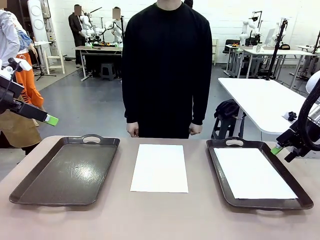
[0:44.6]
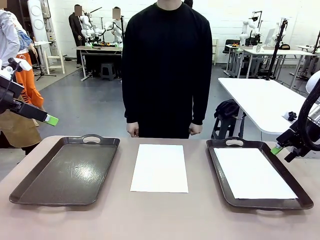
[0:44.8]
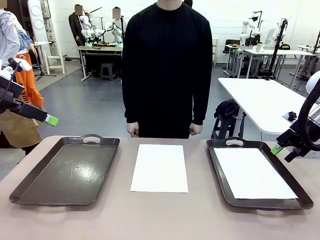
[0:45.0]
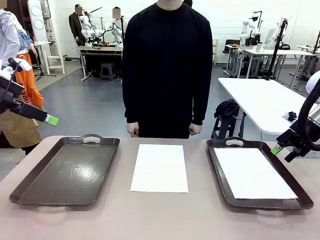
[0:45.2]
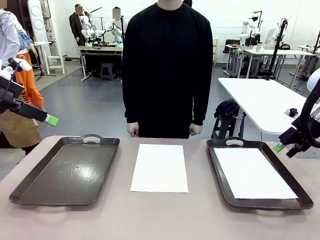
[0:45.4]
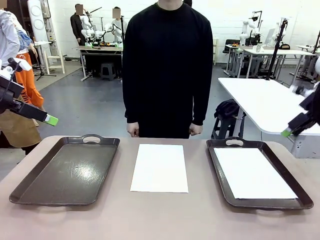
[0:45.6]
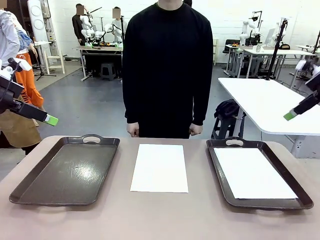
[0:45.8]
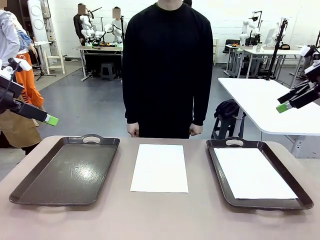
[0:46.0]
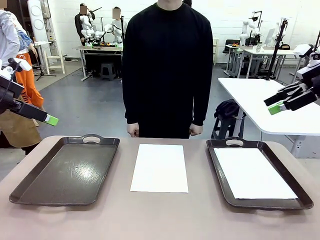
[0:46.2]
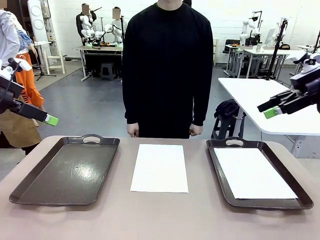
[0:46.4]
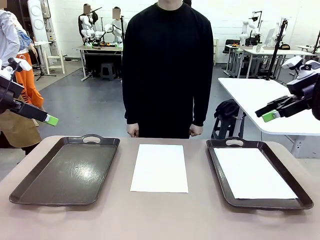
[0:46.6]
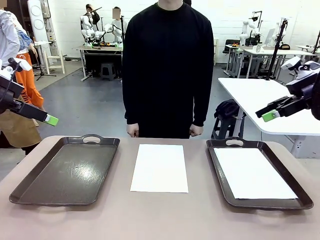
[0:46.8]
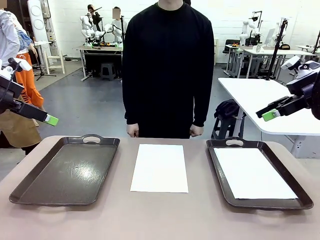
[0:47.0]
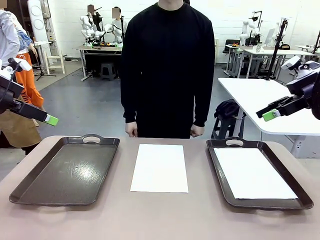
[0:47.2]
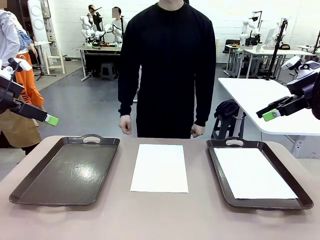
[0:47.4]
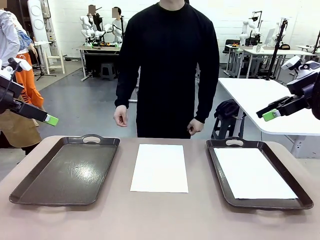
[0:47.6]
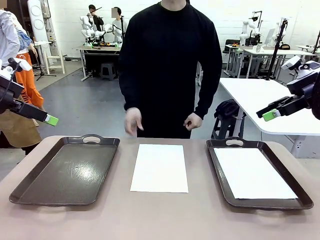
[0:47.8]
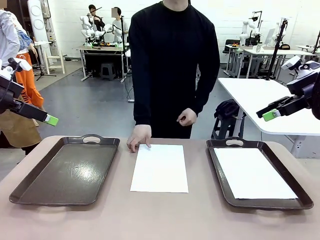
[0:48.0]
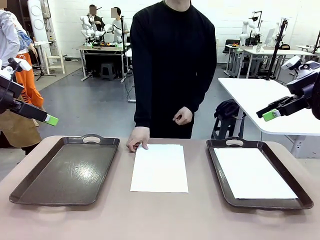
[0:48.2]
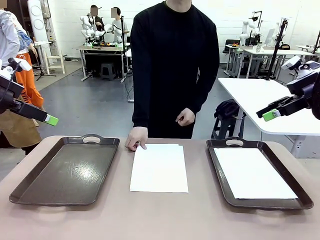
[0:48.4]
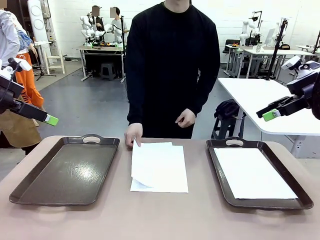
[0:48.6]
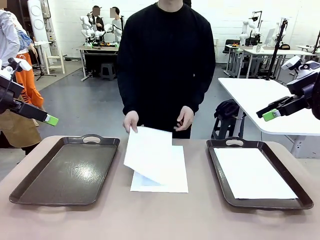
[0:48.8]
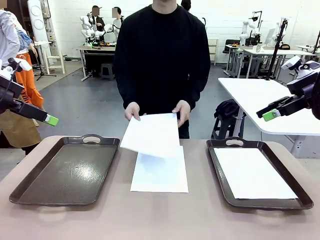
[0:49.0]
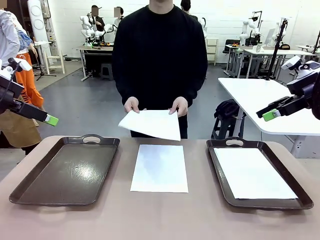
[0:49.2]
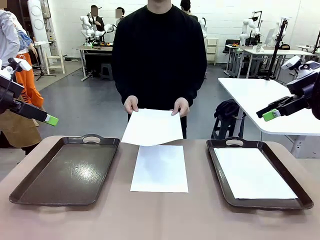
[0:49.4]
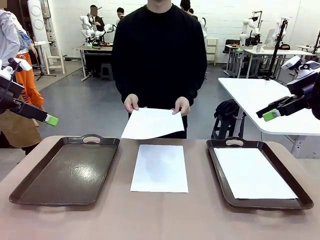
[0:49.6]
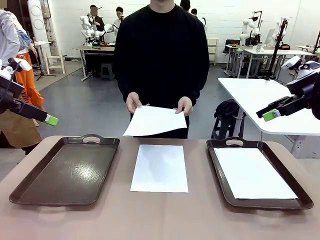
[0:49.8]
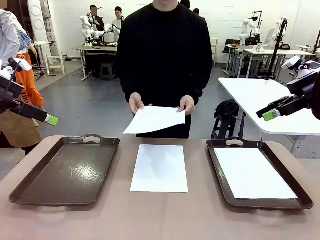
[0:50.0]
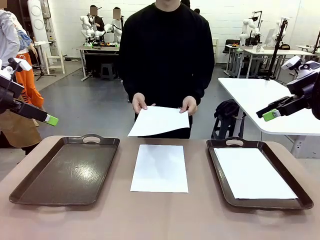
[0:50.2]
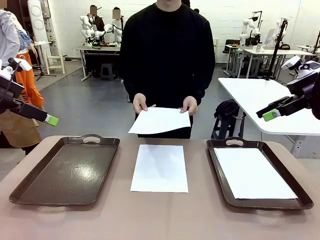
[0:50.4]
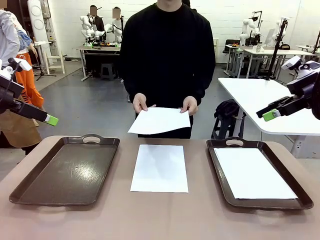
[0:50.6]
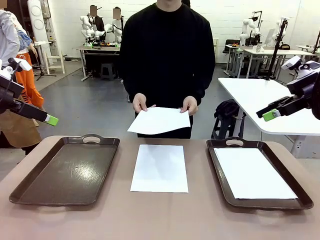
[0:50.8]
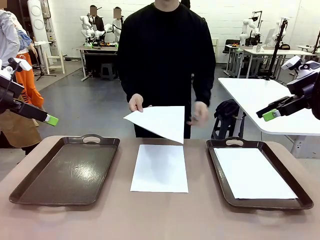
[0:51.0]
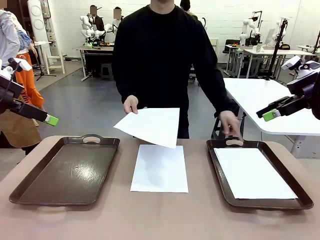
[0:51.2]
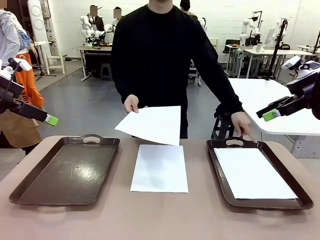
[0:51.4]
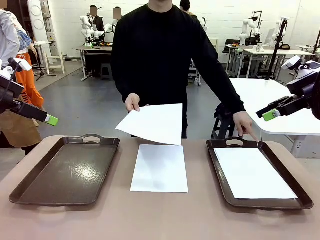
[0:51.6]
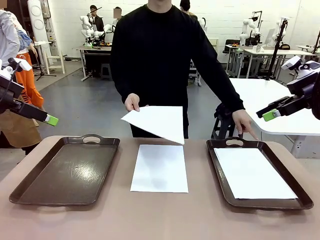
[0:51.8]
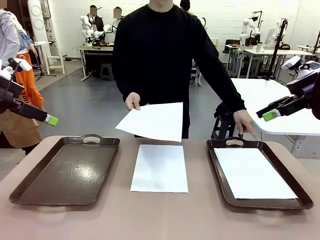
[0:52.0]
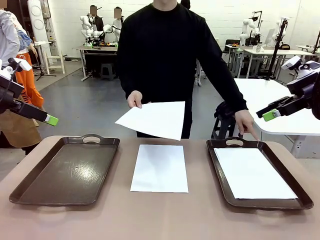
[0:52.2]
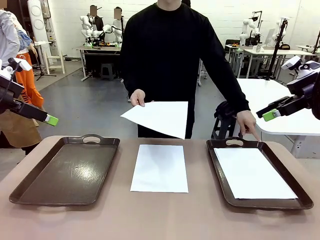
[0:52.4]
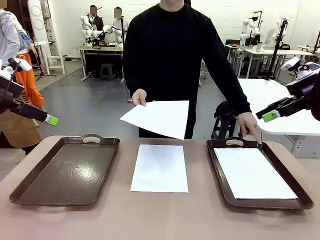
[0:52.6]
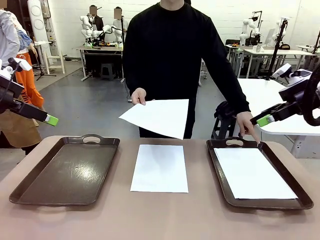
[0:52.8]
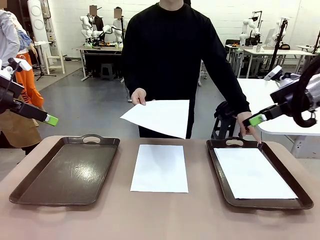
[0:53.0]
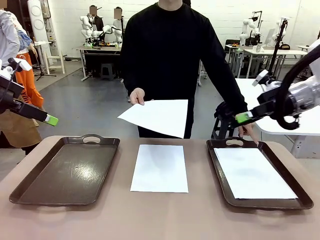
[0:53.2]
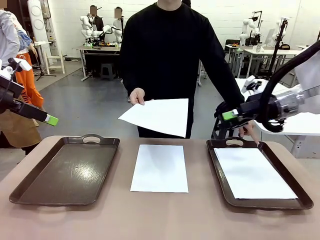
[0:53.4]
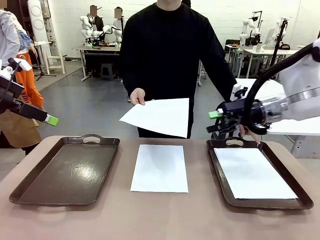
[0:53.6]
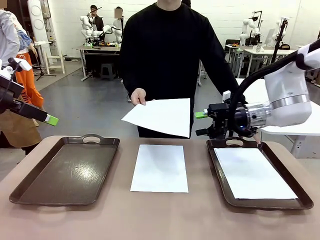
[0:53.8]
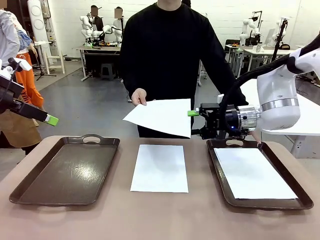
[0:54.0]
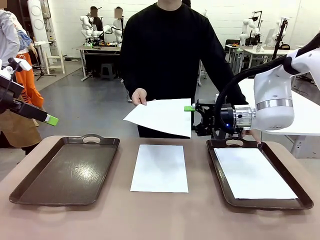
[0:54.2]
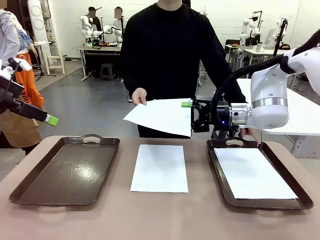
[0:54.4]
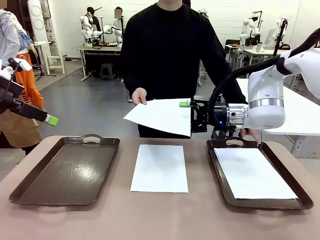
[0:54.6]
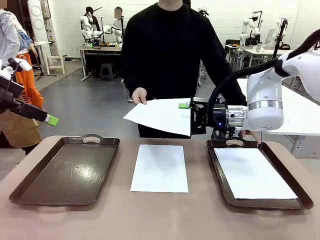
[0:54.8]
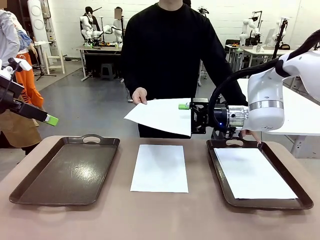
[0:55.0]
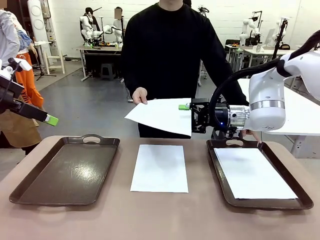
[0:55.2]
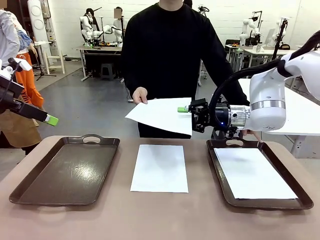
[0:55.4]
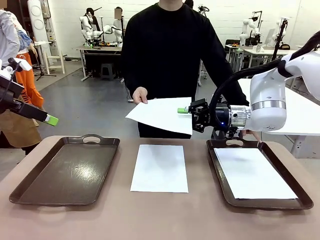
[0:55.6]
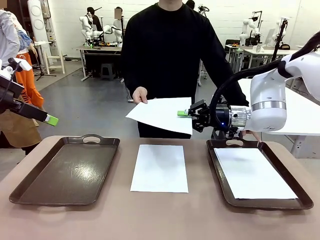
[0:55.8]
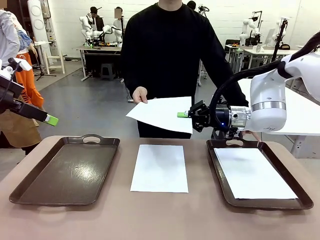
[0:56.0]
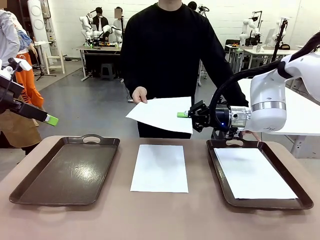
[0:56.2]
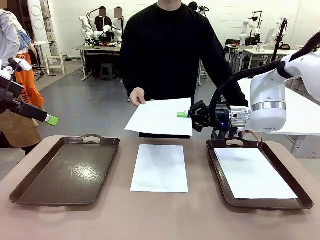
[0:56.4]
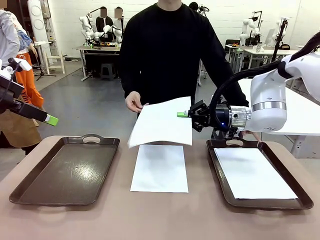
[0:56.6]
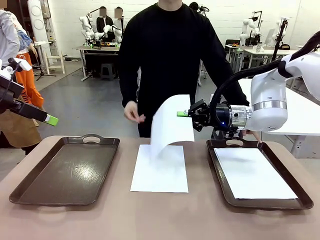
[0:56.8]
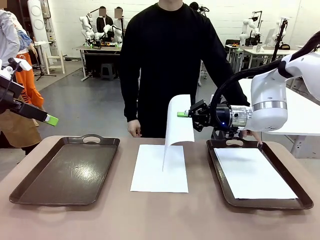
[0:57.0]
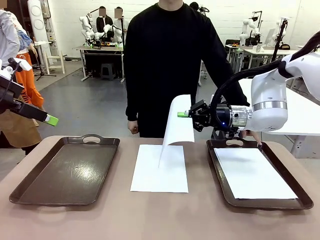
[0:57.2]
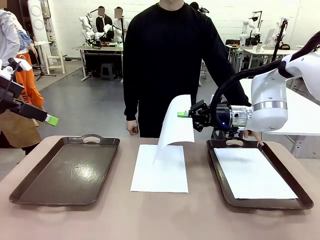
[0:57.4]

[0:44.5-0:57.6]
Task: Sort the A4 documents.
Robot: Receive the A4 Paper.
Person: Point the randomly selected tray with the other hand.

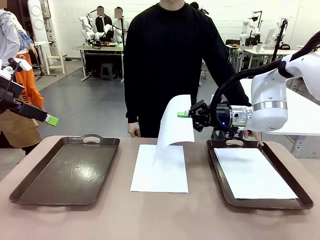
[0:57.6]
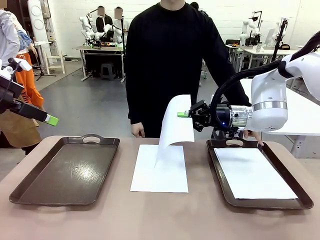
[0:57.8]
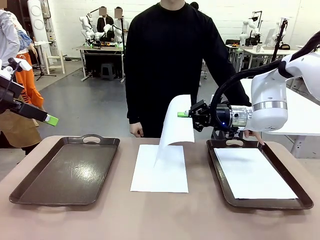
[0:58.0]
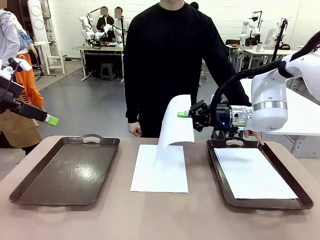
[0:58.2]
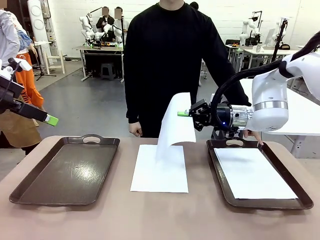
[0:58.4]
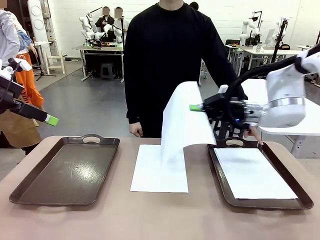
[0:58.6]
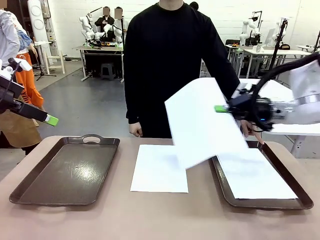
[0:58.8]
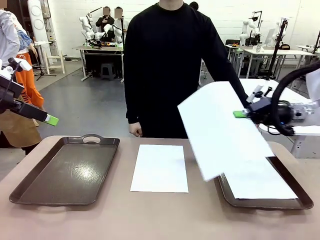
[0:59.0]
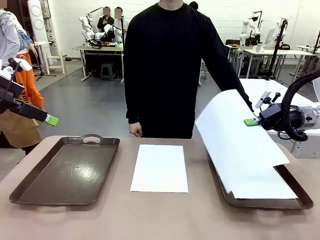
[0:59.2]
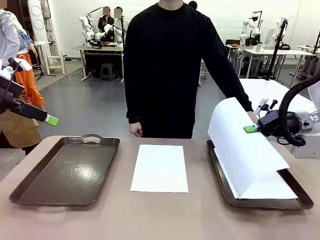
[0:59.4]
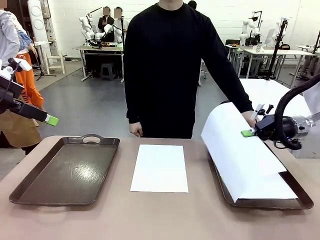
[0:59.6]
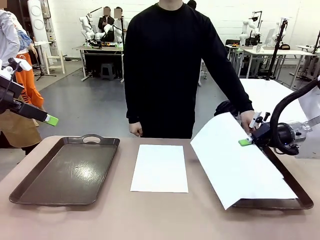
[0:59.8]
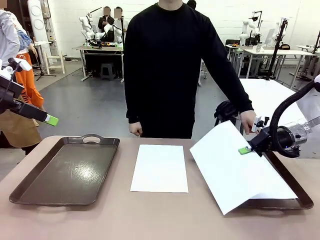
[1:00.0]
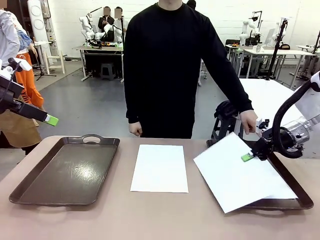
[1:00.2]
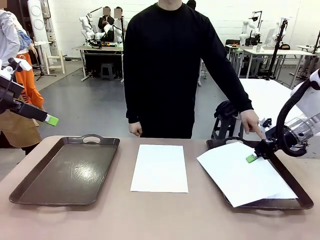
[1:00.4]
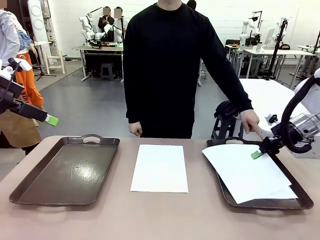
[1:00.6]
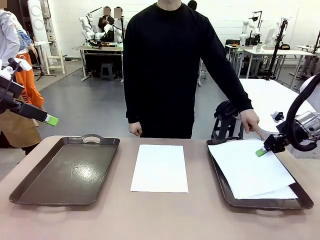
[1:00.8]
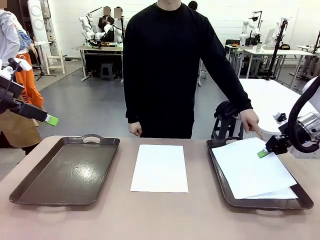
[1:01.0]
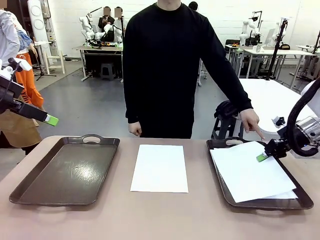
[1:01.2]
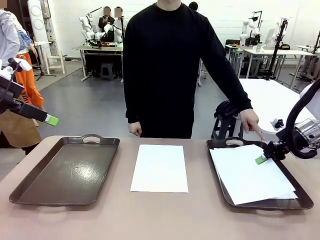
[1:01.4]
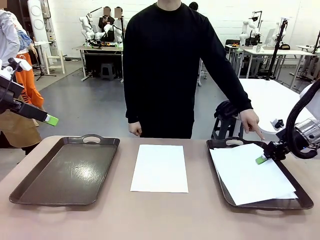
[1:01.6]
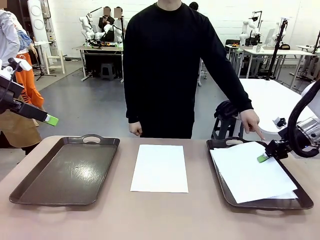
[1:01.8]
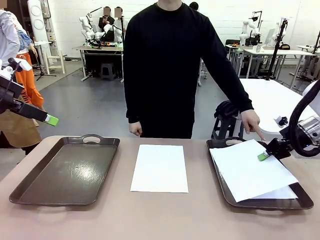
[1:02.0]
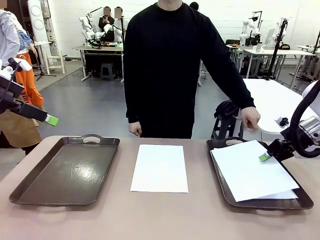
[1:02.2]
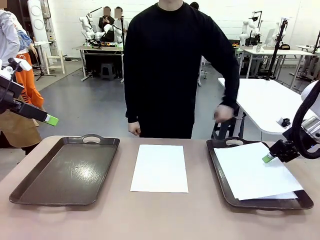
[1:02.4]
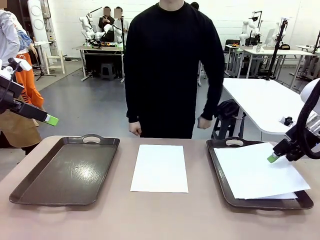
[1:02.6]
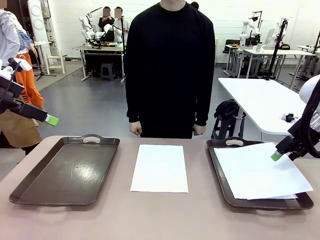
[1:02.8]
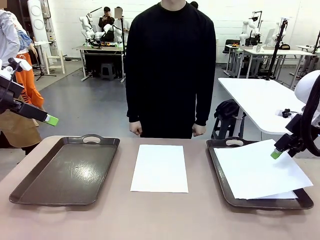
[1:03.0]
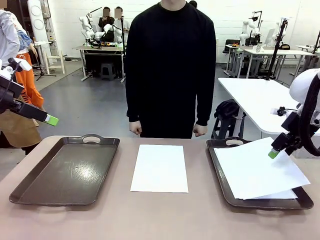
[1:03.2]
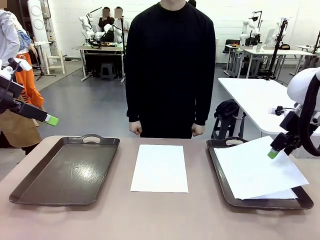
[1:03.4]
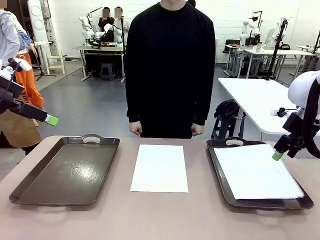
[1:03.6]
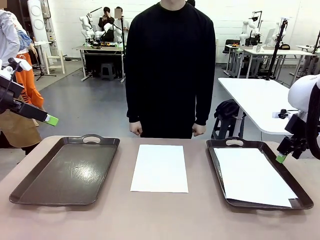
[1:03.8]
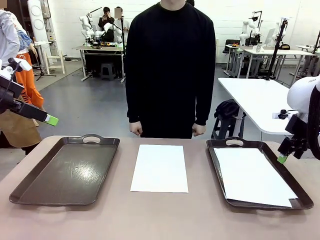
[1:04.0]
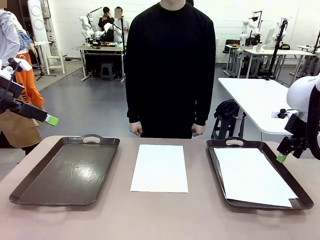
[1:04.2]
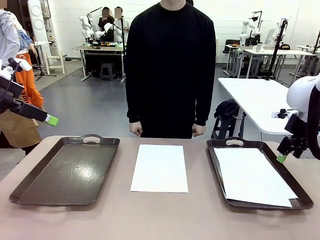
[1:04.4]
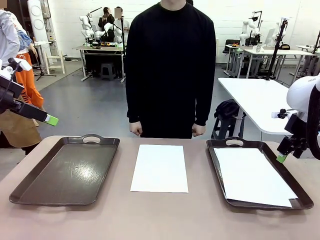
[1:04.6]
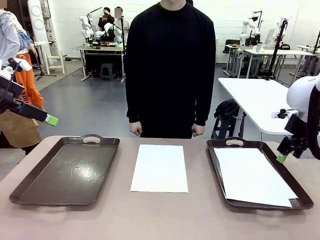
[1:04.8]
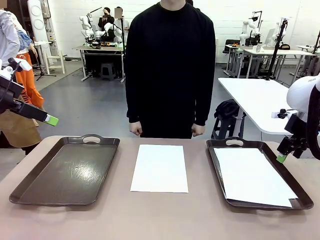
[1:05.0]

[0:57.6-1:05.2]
Robot: Place the A4 Paper in the designated Handle tray.
